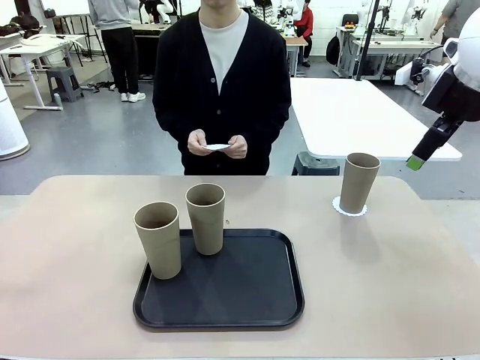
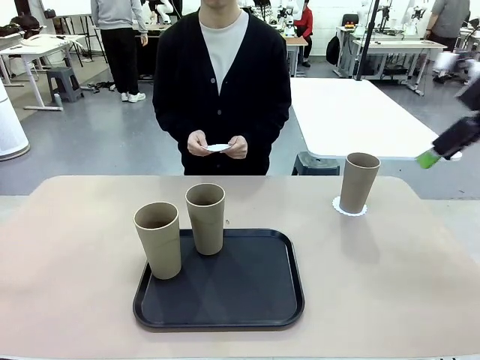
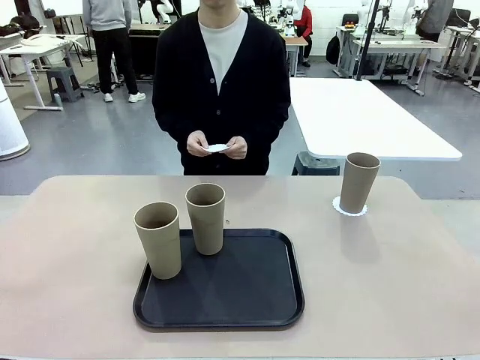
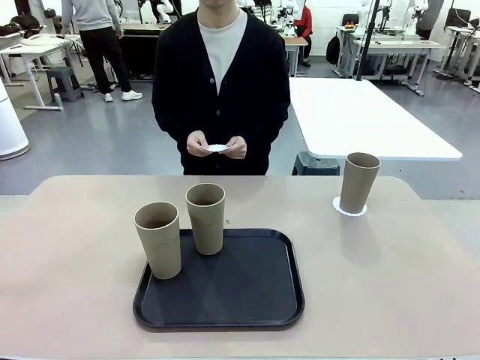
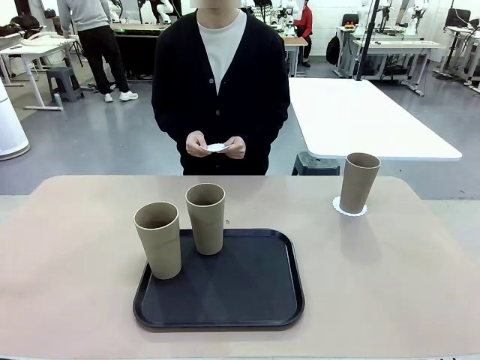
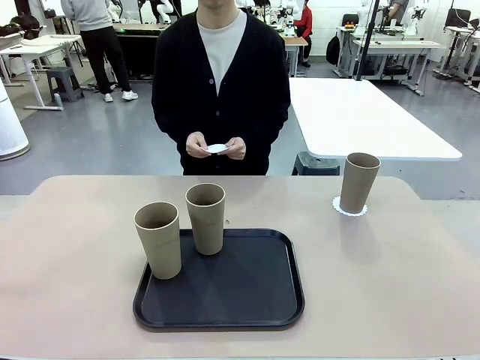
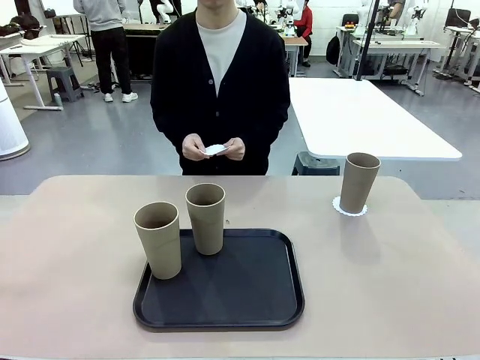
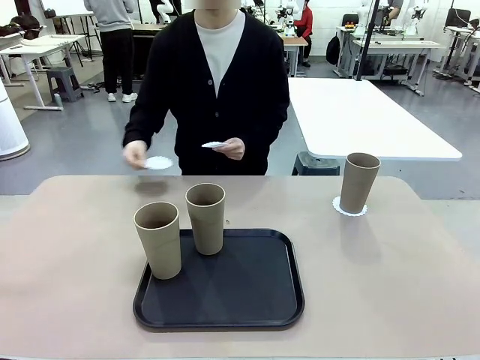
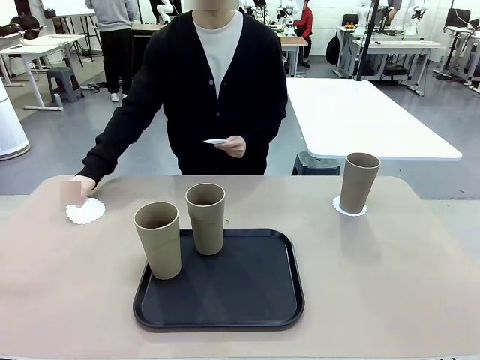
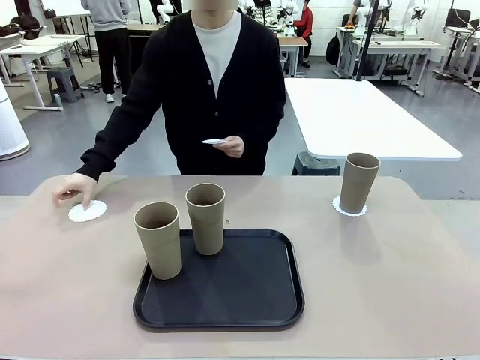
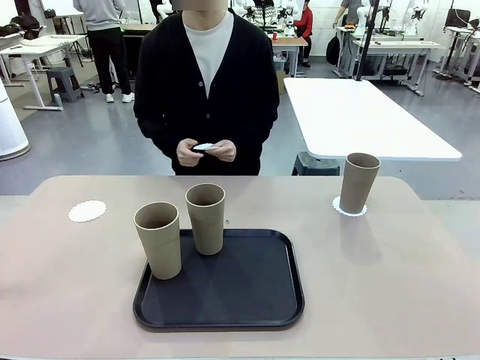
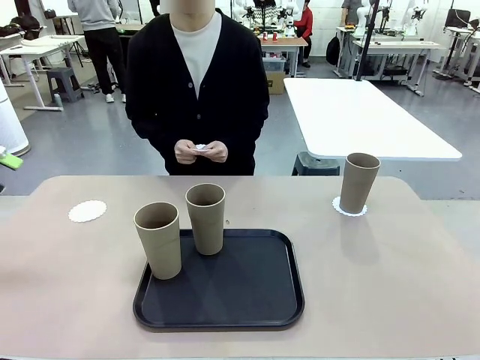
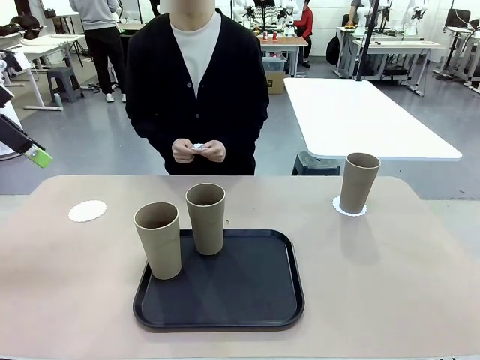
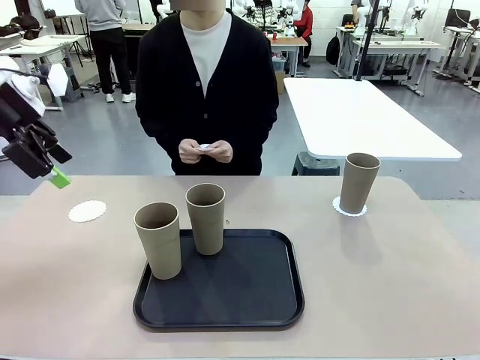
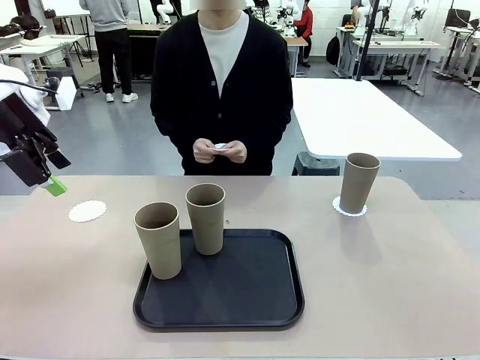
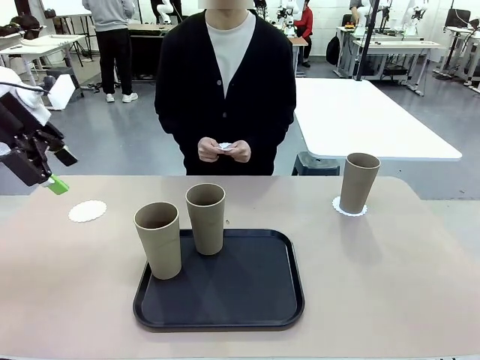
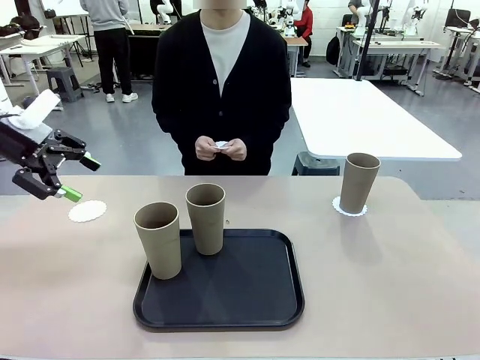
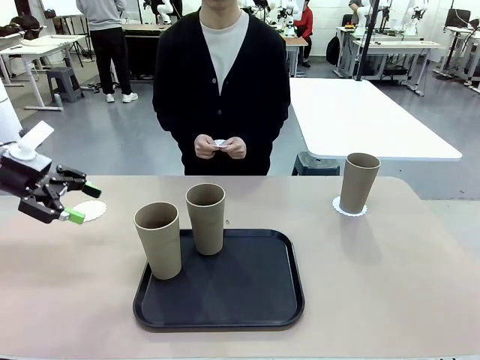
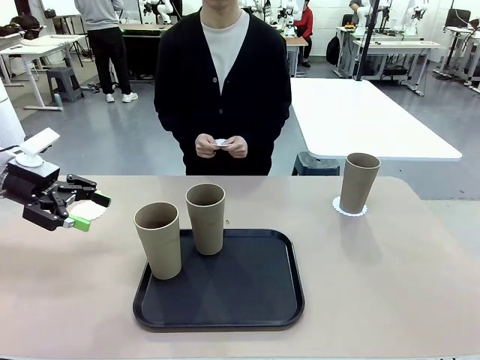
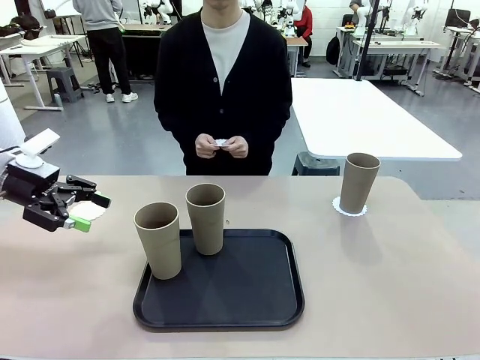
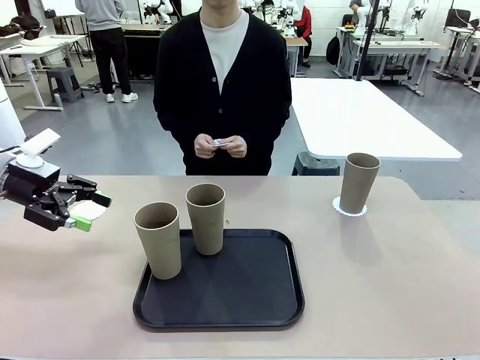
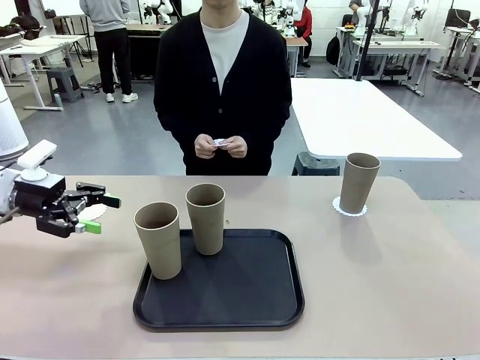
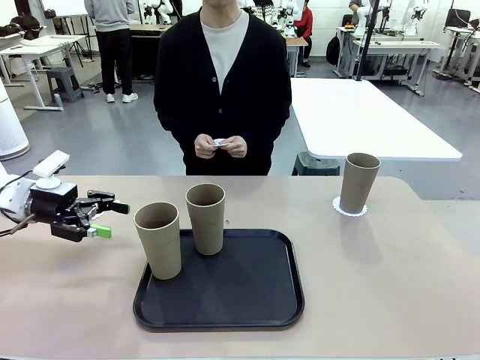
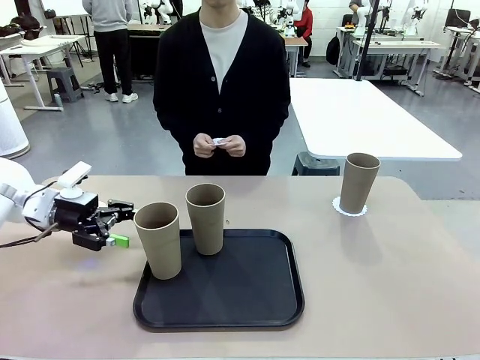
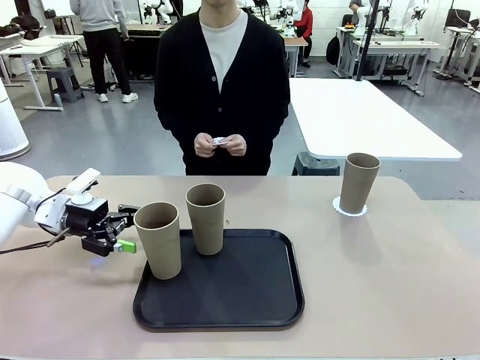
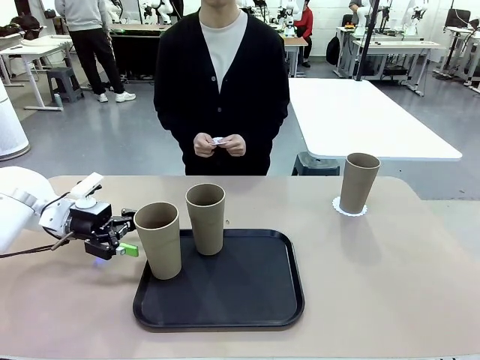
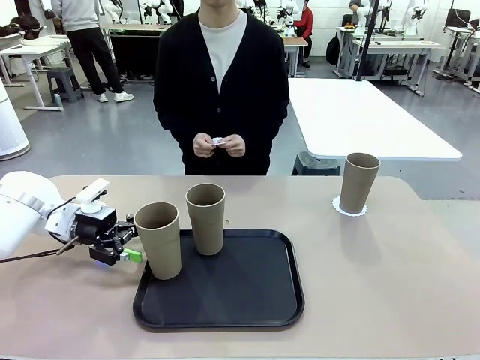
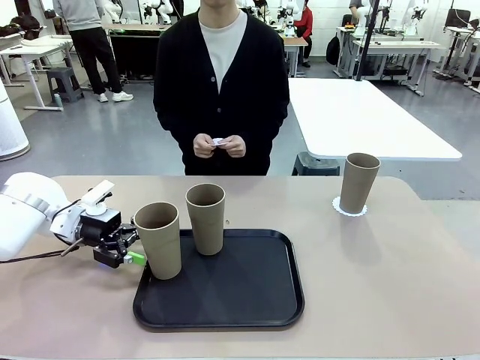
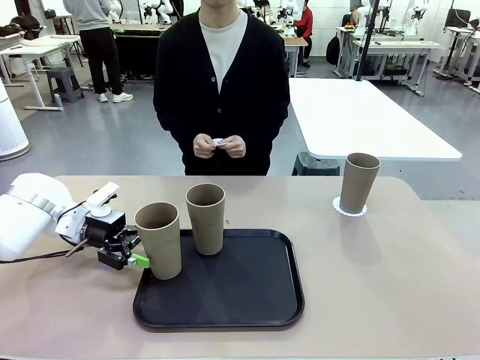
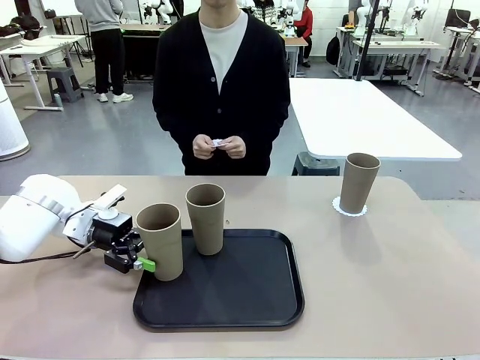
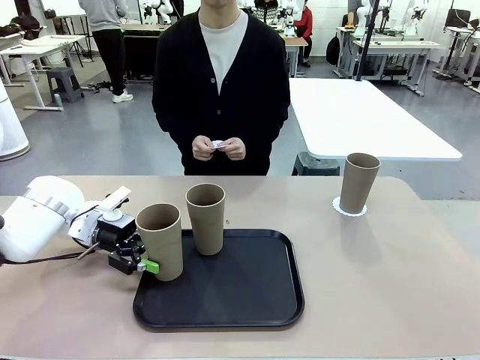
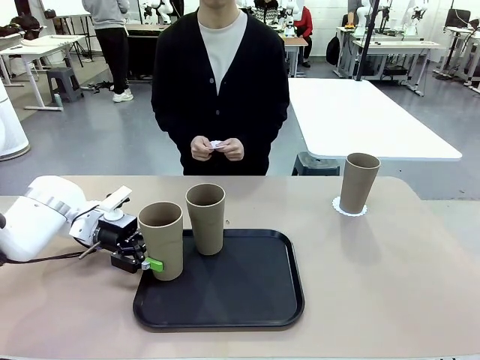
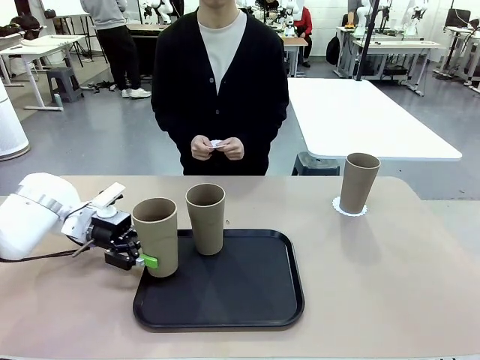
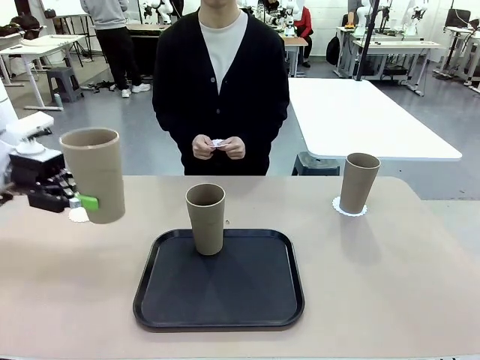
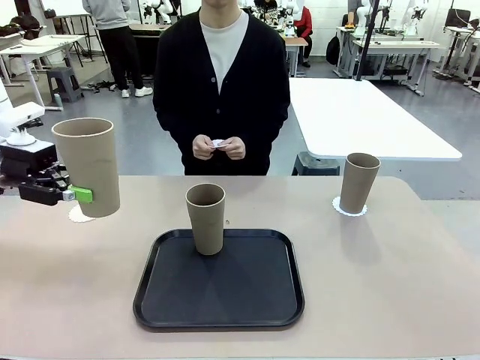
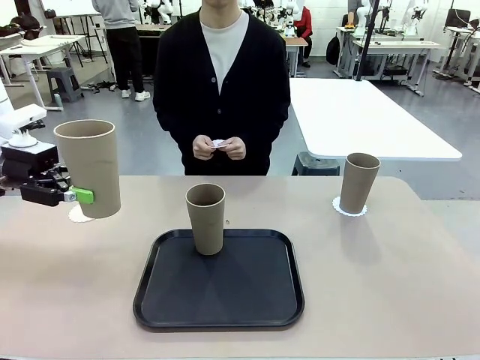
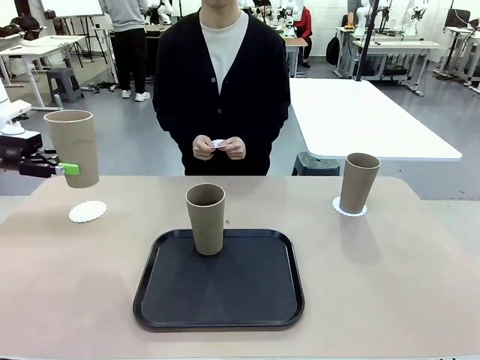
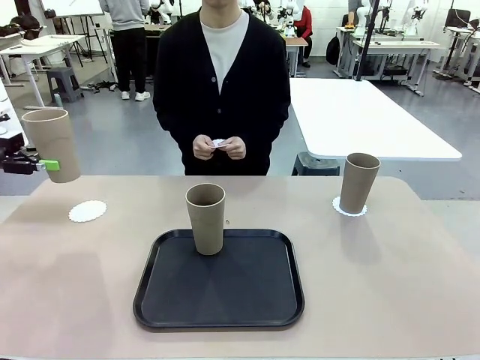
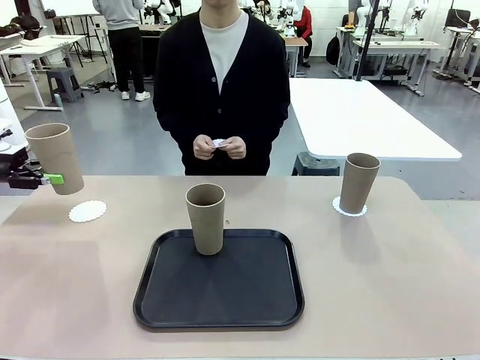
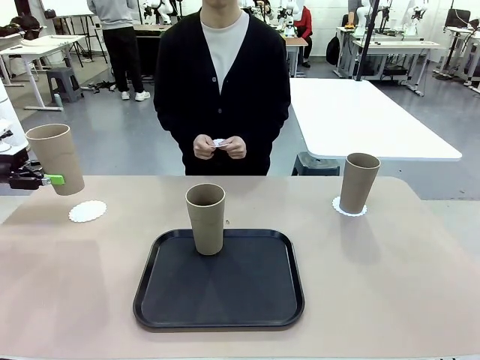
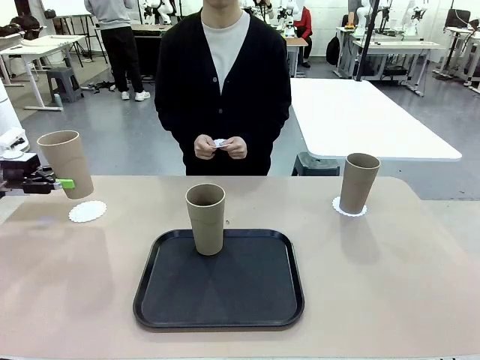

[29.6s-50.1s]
Task: Place coasters on the table and set cups on them.
Robot: Take one Reusable plastic cup from the Flat Tray and place it on a coaster set by the human.
